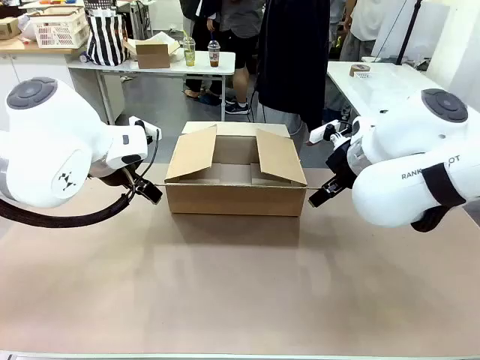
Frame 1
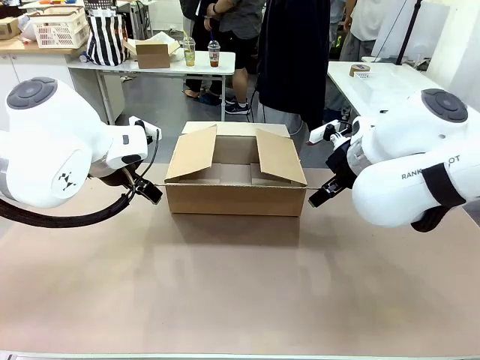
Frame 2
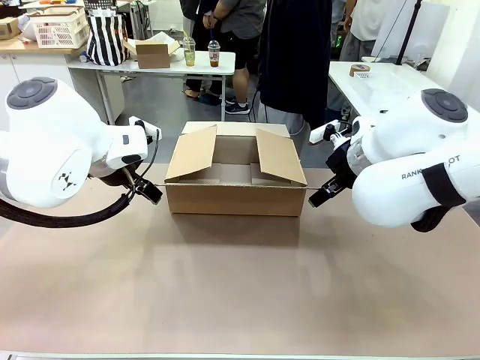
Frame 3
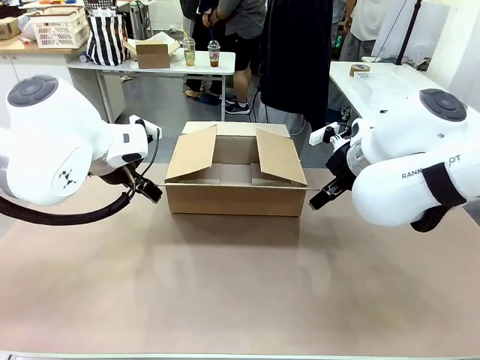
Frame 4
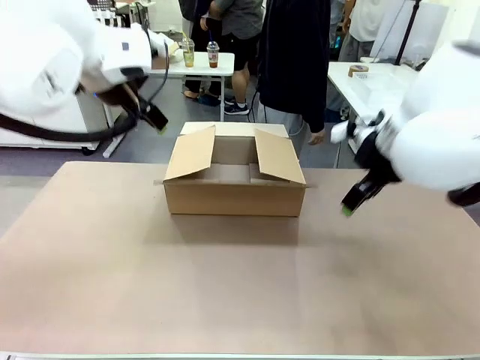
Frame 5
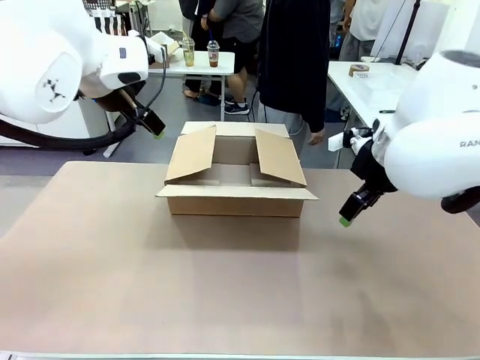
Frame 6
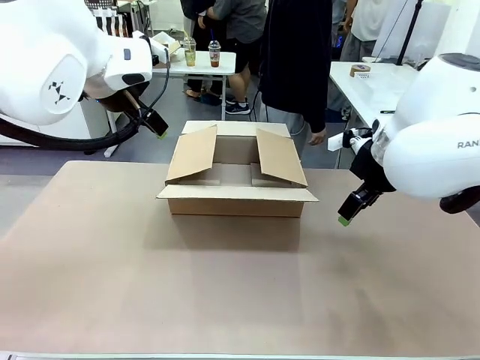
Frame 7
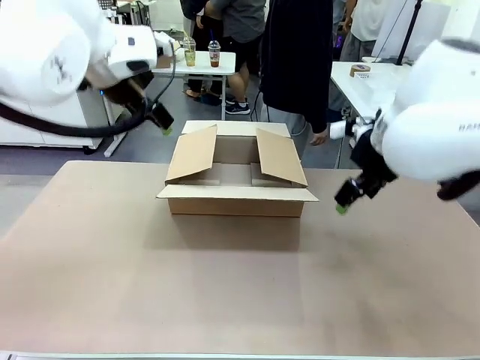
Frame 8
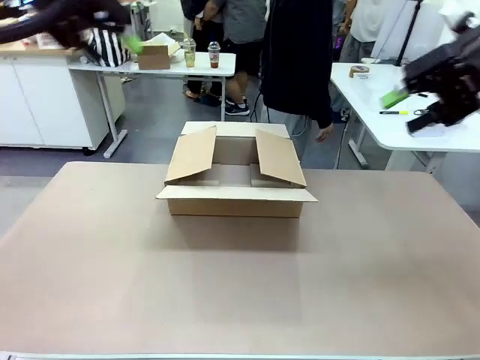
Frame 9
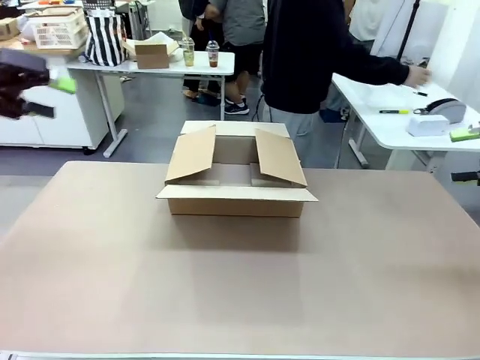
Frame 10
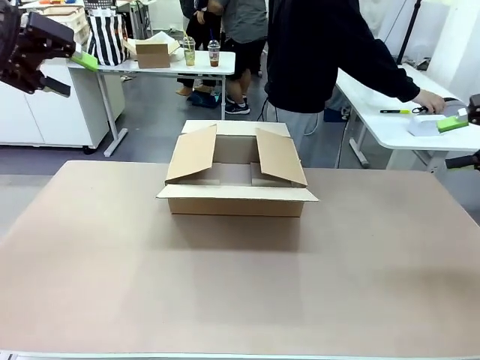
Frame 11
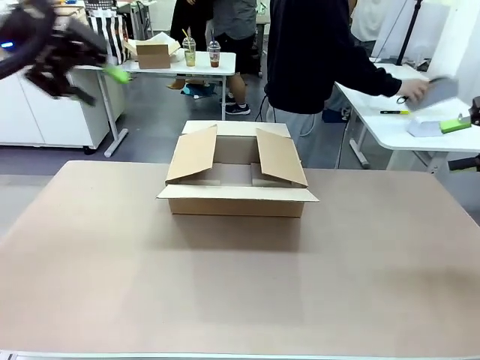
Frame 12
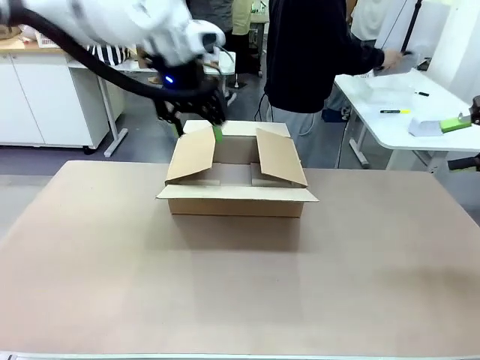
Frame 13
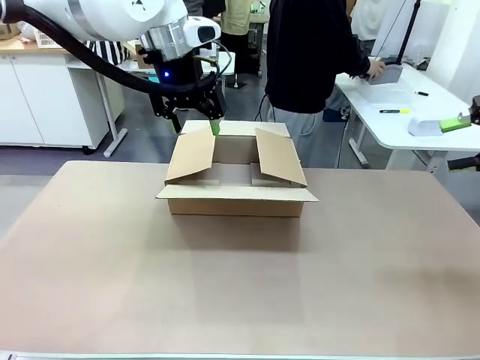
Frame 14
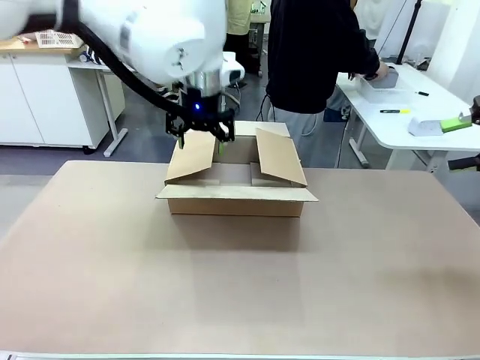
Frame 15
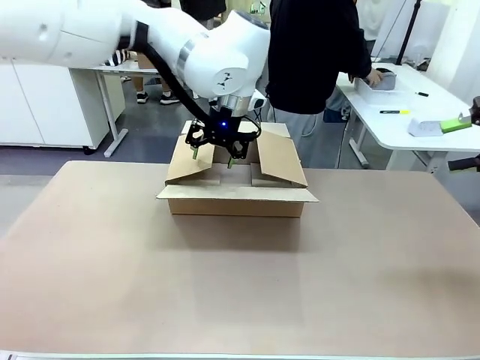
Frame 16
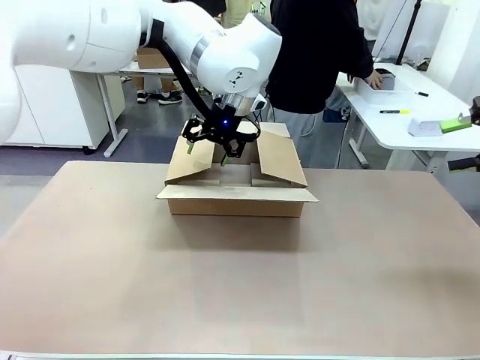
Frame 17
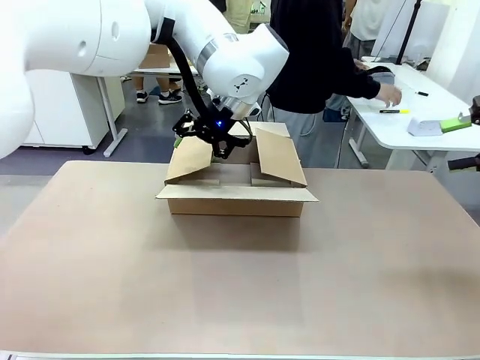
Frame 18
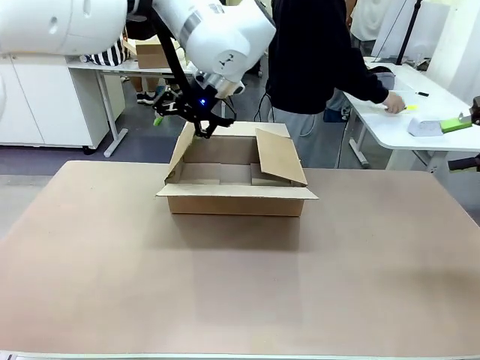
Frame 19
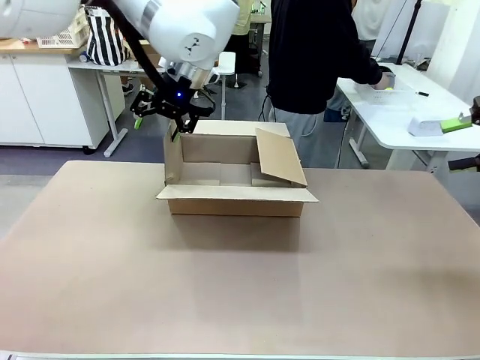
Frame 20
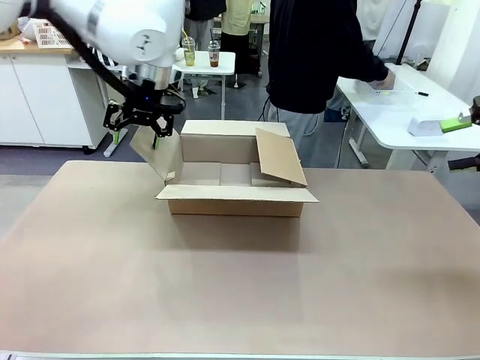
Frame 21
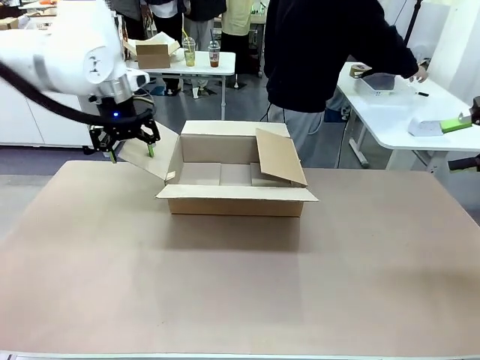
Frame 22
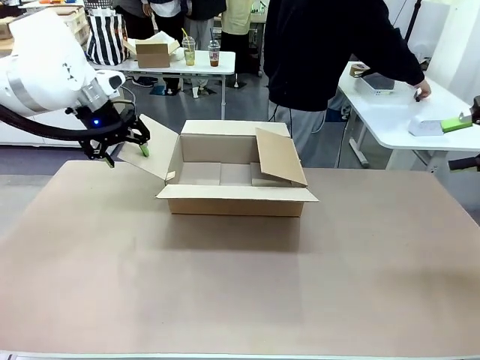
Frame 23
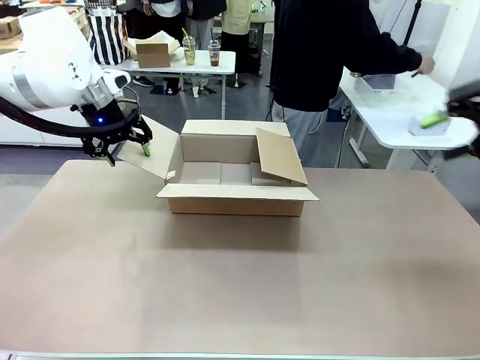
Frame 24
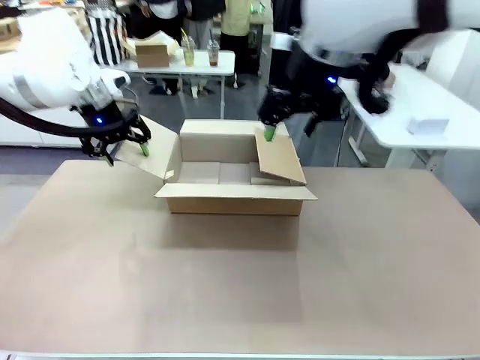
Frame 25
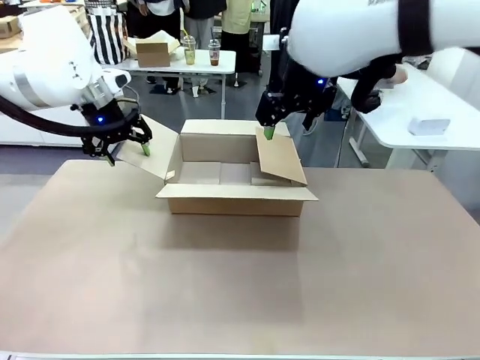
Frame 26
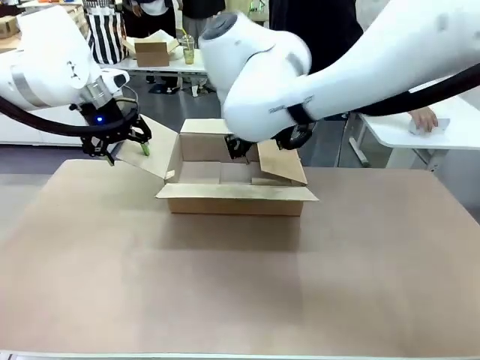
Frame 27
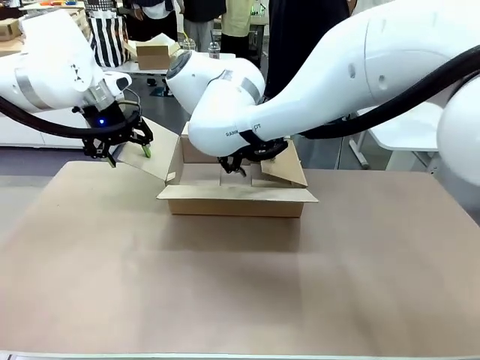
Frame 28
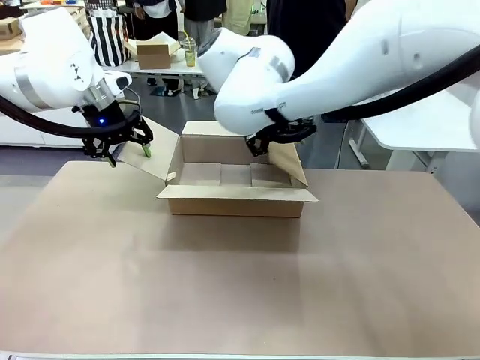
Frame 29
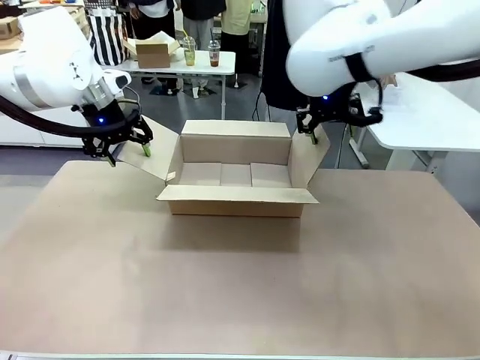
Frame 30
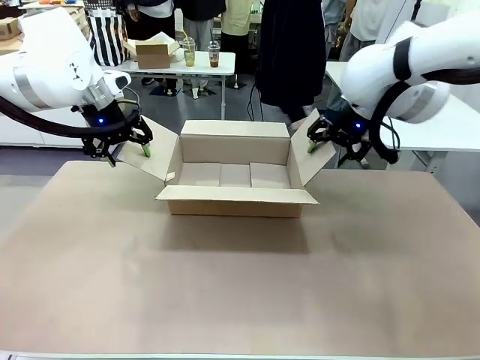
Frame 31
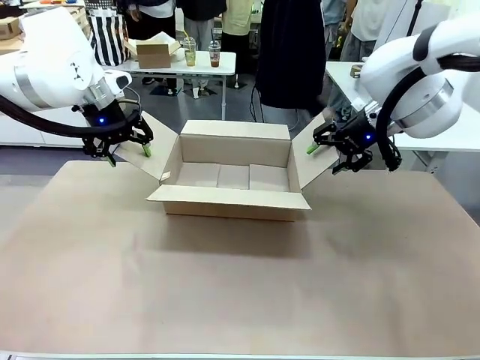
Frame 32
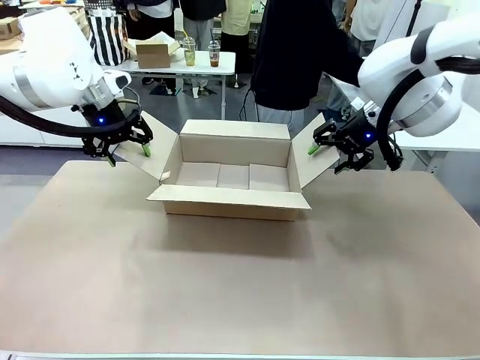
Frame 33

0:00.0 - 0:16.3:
Task: Pack the gift set into the box.
Robot: Place both hands on the side flaps of the Package Box and spread them outward.
Person: The human places all items except the paper tape into the organizing basket.

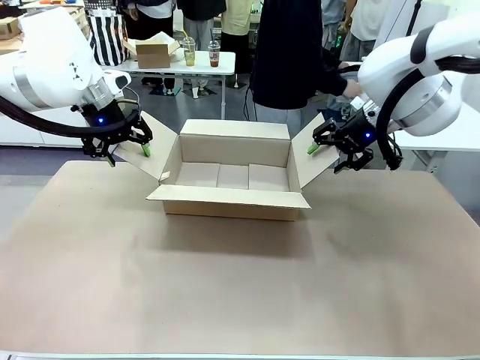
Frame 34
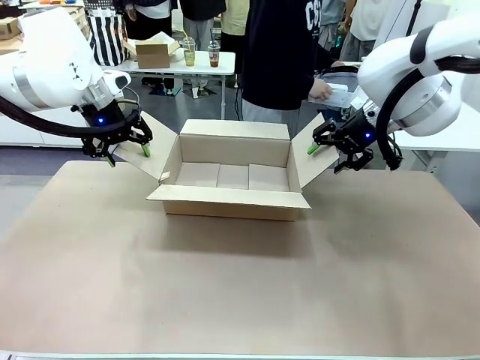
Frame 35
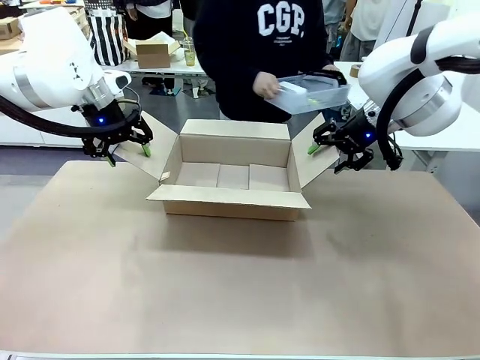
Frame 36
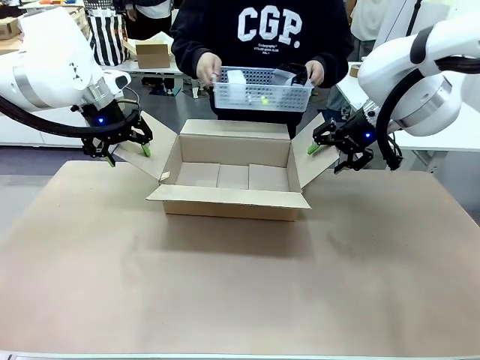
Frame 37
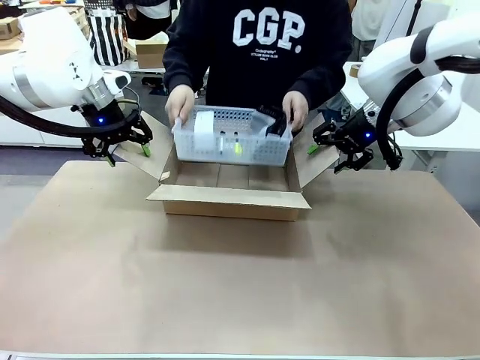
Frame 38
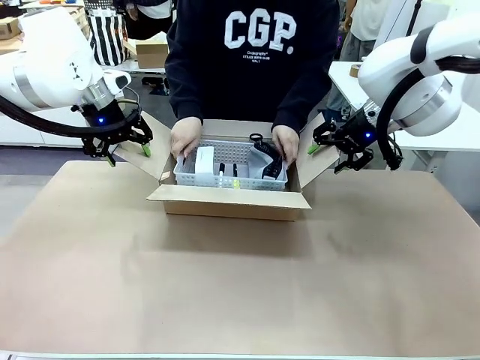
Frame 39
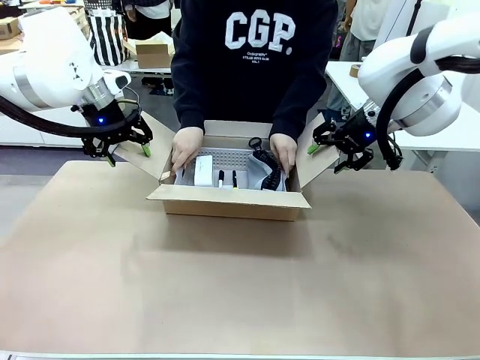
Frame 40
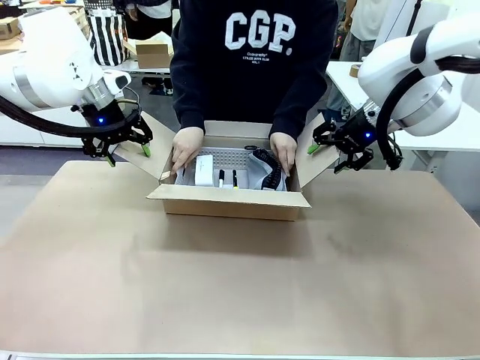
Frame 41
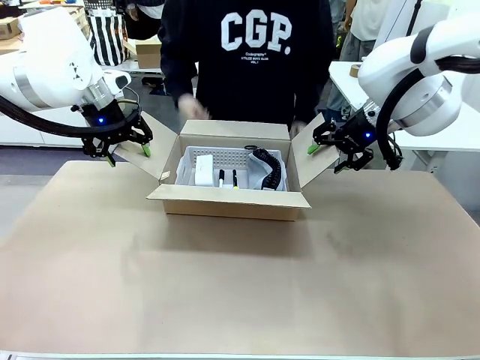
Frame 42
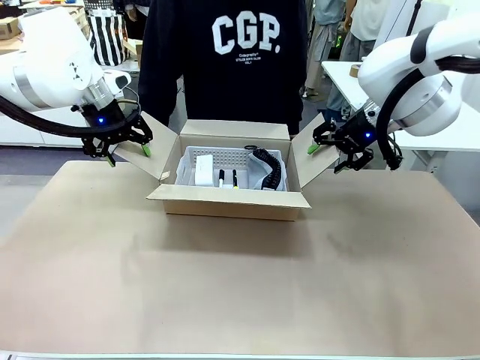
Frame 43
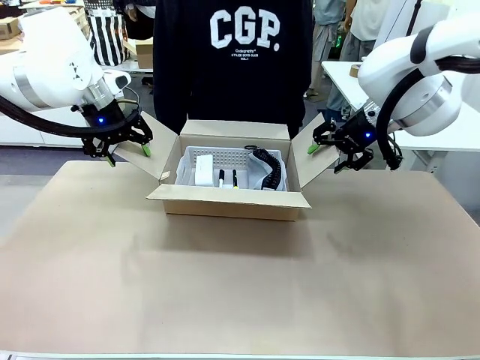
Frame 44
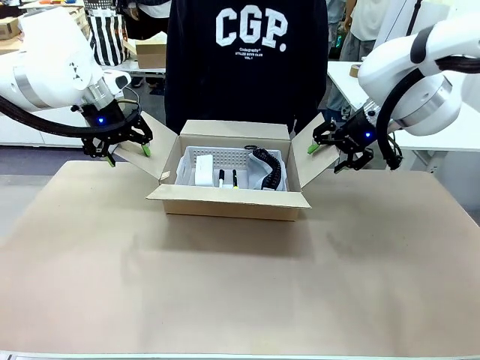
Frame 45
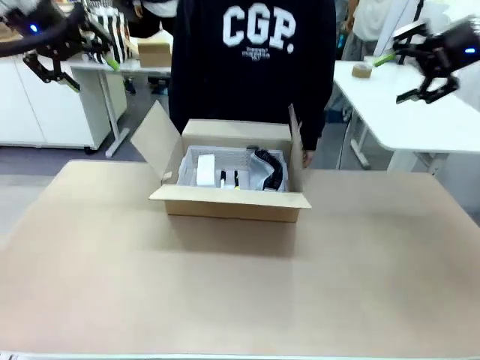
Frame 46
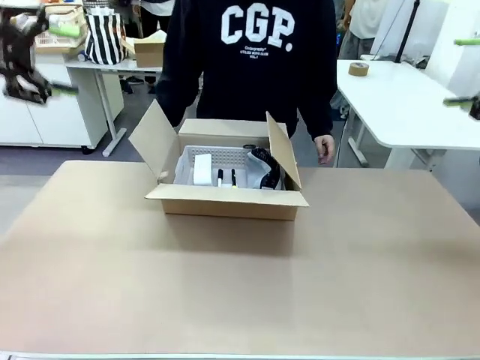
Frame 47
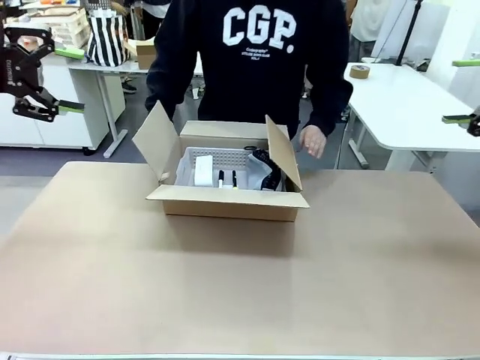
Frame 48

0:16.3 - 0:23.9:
Robot: Lift both hands away from the flaps of the Package Box.
Person: The human picks up the organizing basket and places the organizing basket into the package box on the robot table.

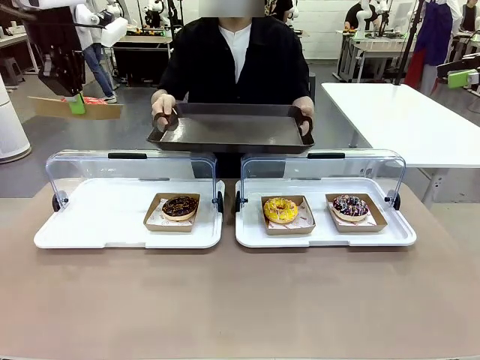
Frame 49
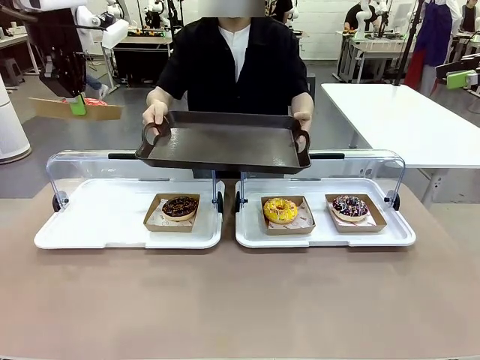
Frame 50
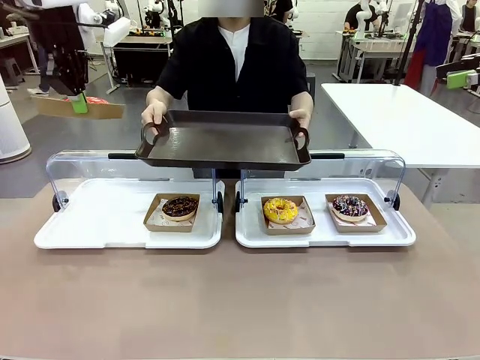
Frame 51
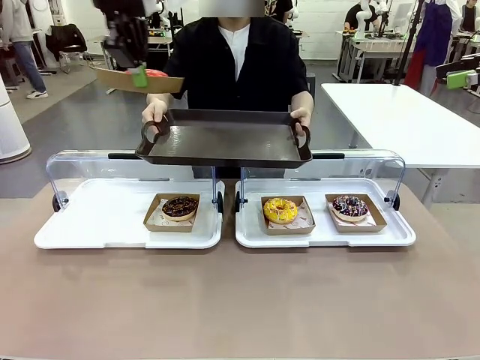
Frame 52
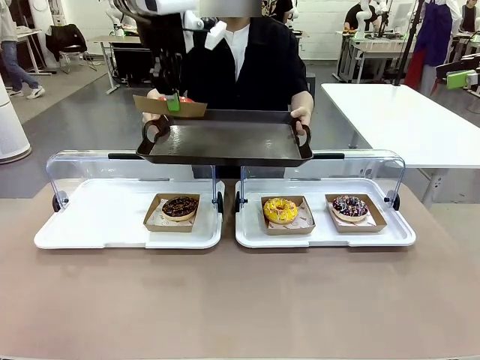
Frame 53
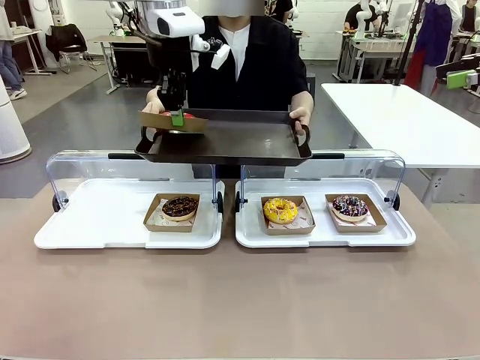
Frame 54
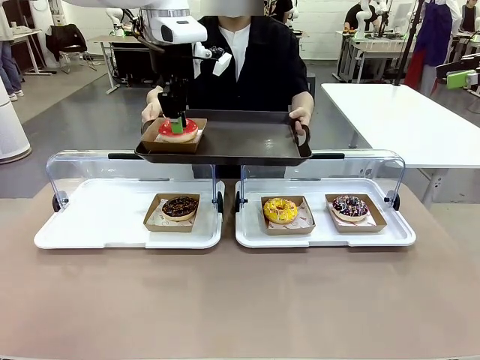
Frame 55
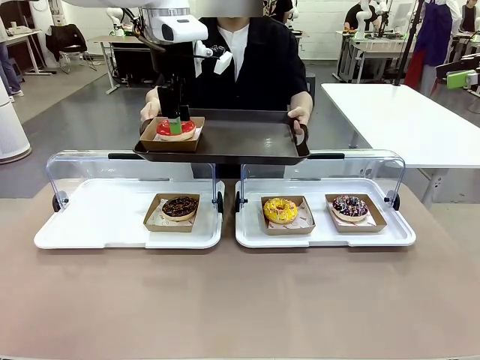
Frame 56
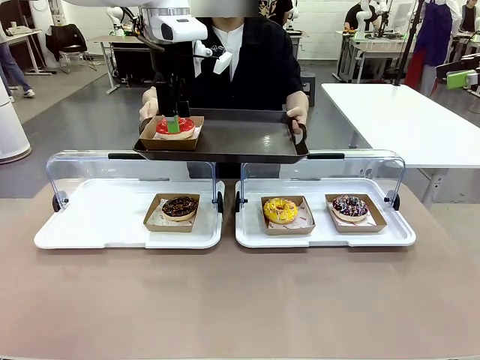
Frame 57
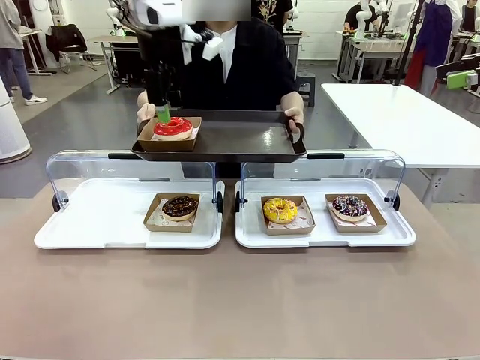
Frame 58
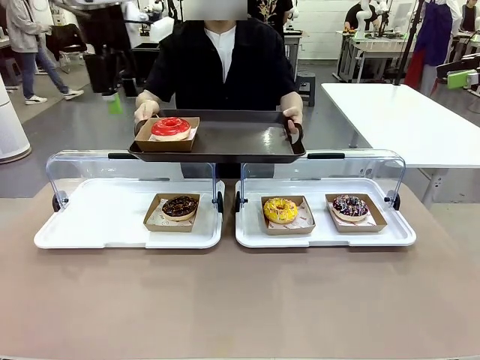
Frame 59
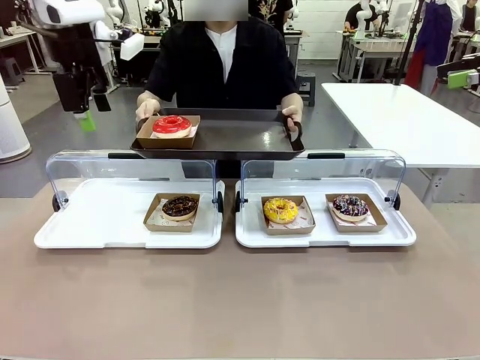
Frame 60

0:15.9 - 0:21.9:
Task: Provide the desired donut to the person.
Robot: Place the picked Paper togo box onto the Handle tray extended by the person.
